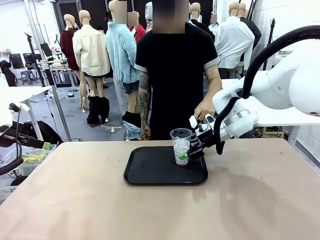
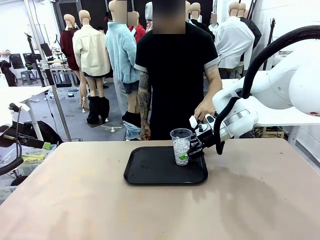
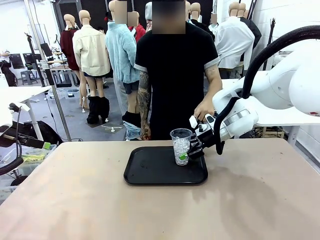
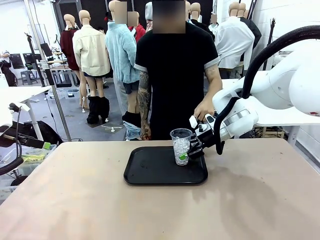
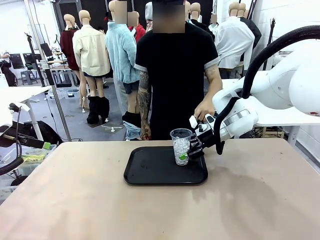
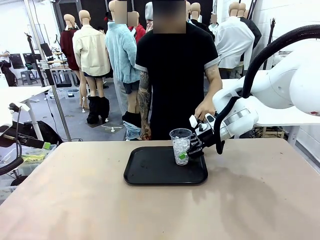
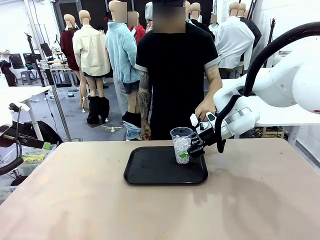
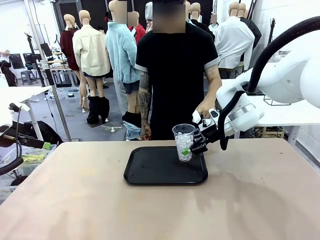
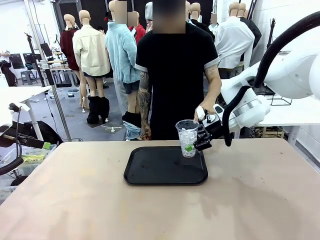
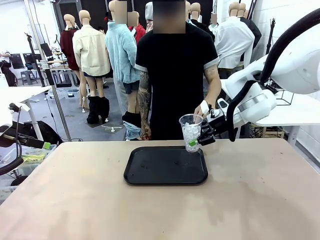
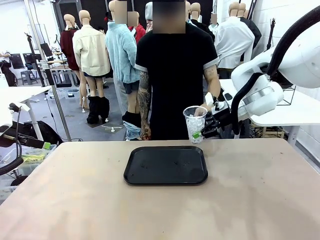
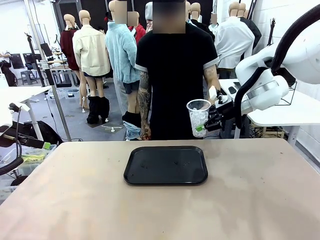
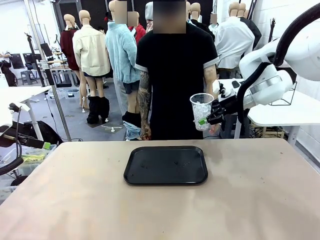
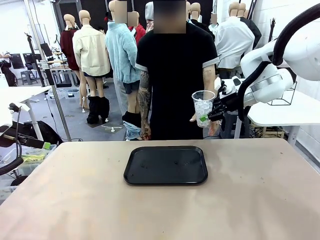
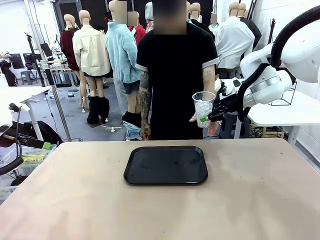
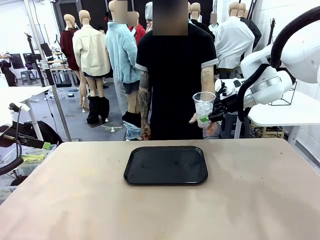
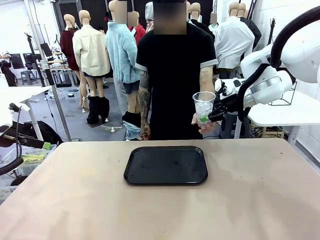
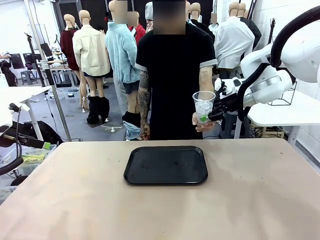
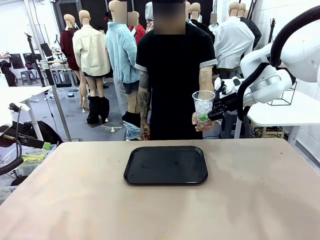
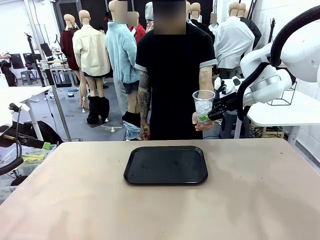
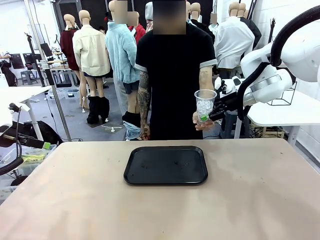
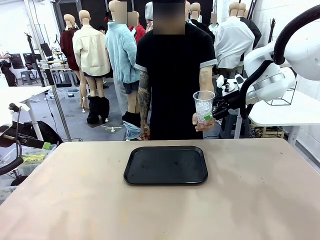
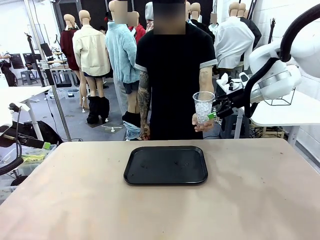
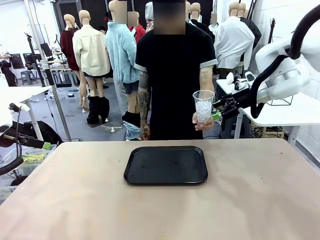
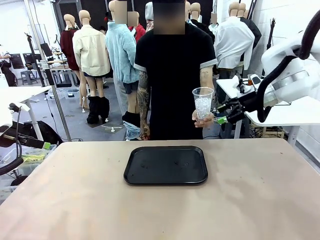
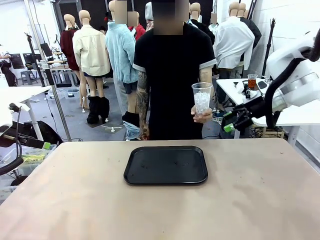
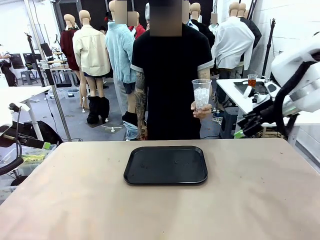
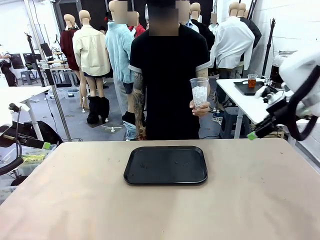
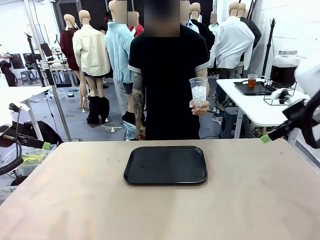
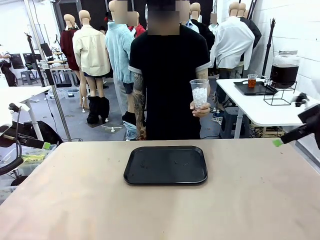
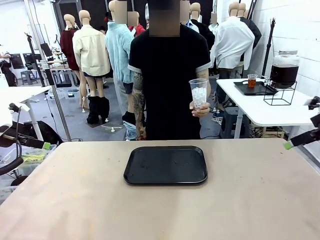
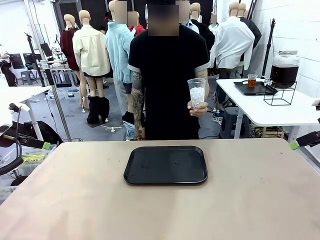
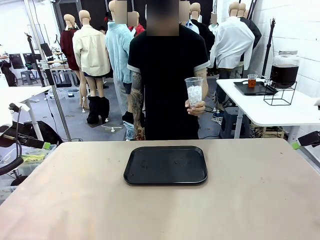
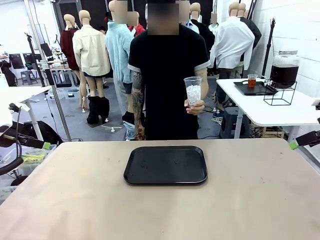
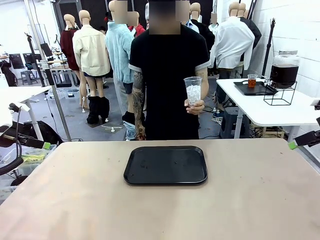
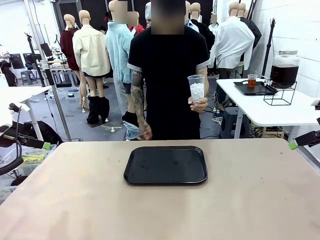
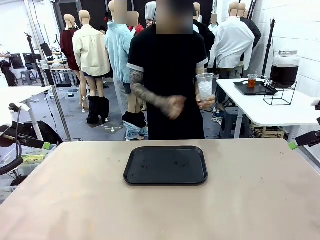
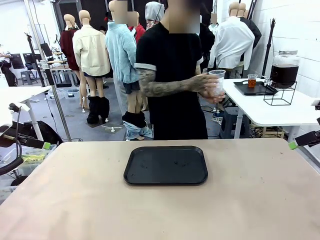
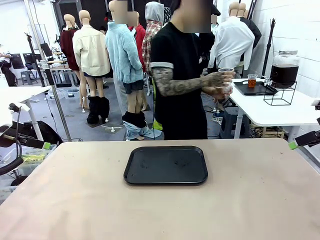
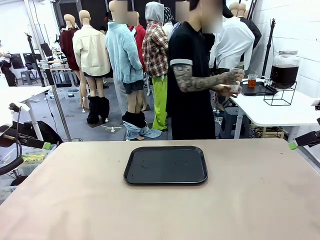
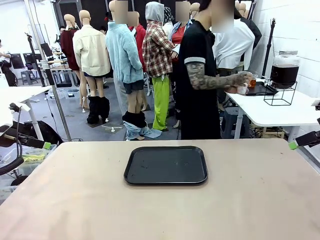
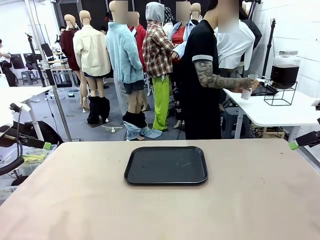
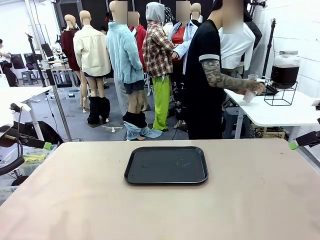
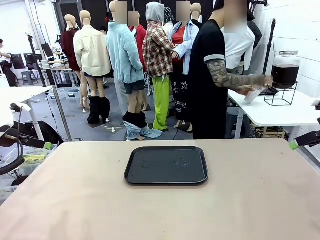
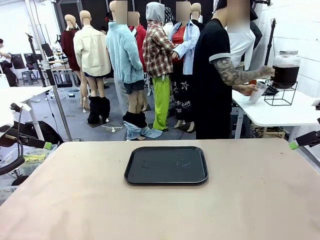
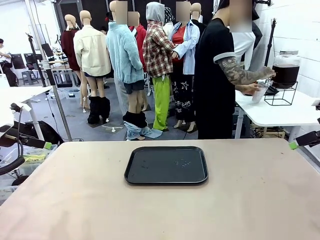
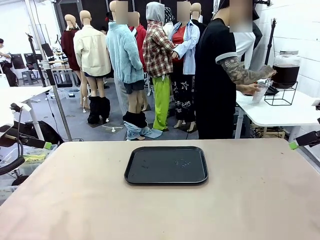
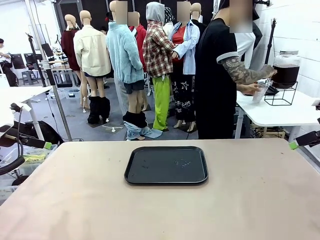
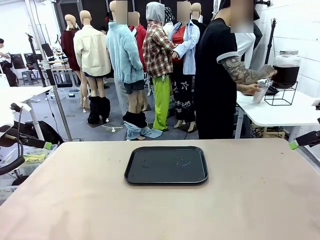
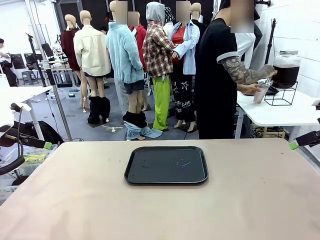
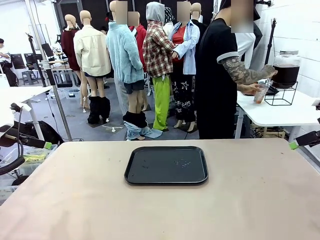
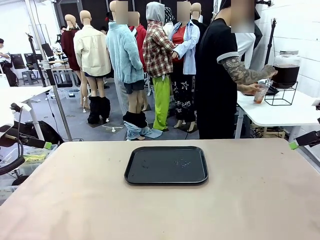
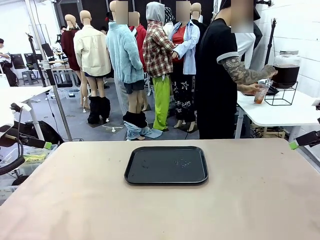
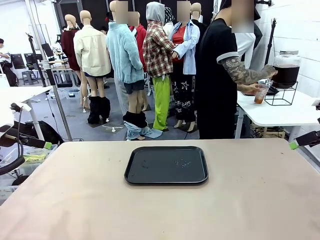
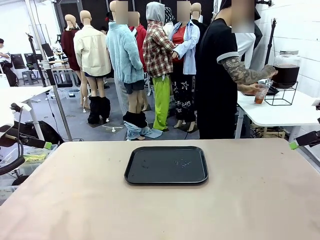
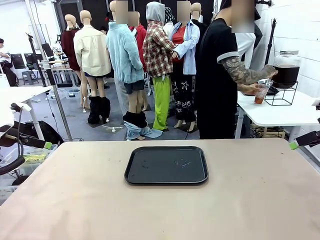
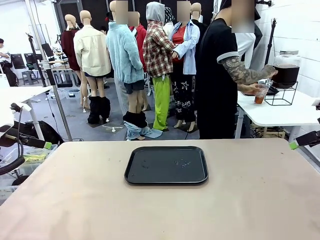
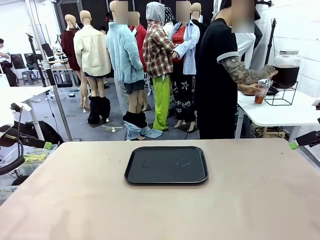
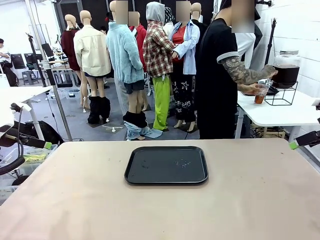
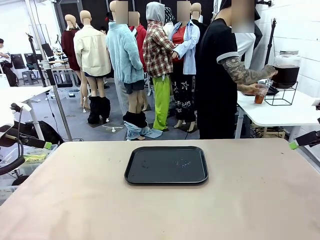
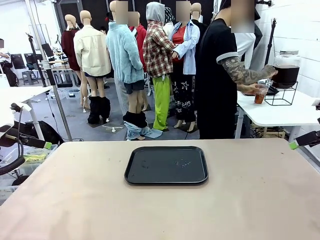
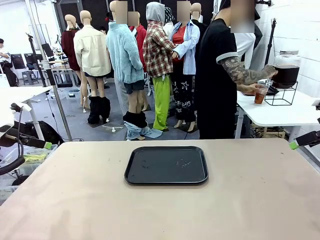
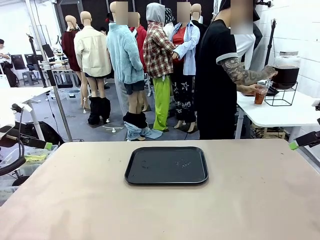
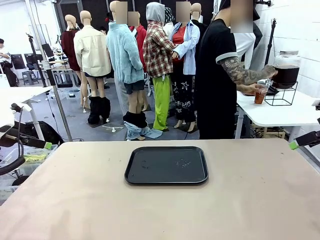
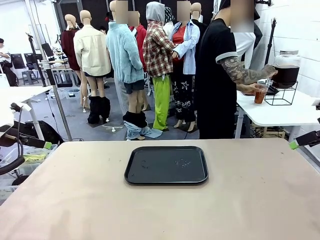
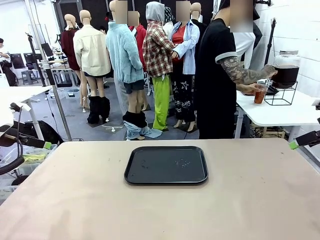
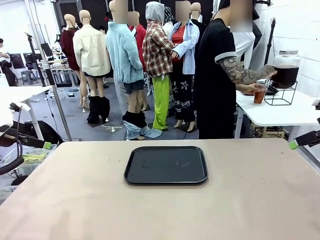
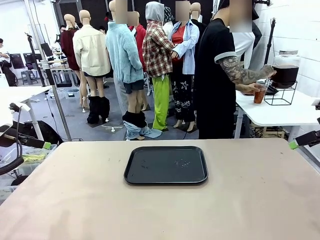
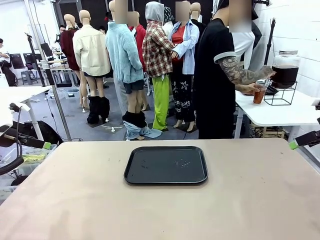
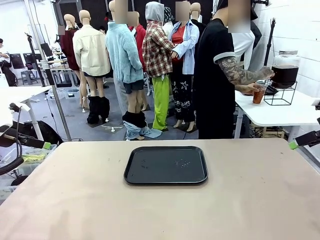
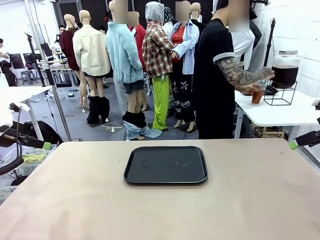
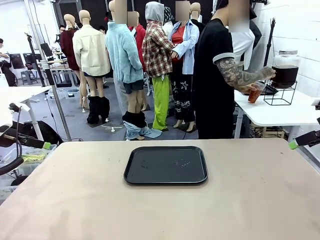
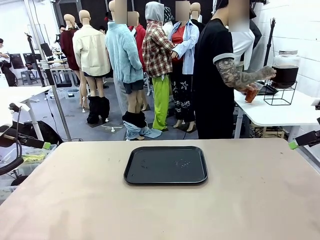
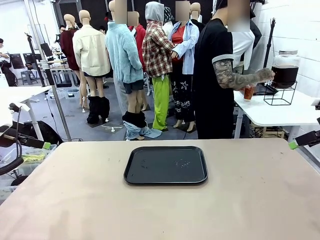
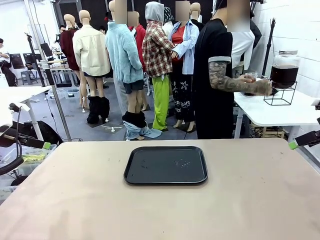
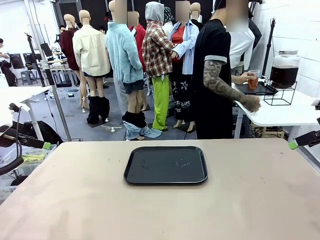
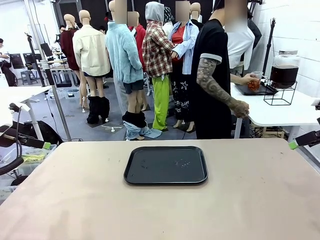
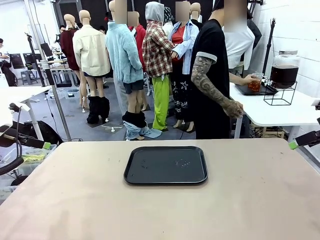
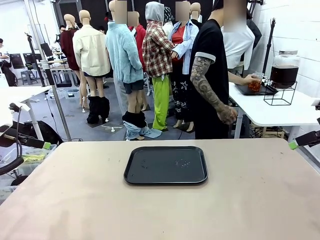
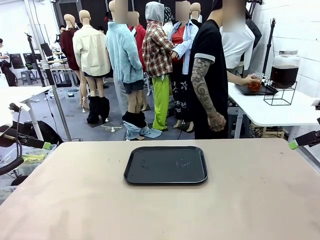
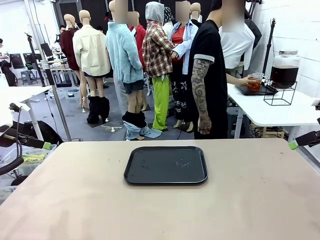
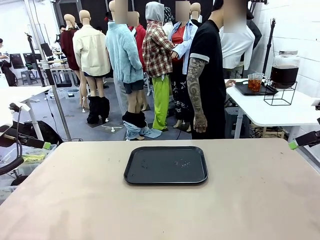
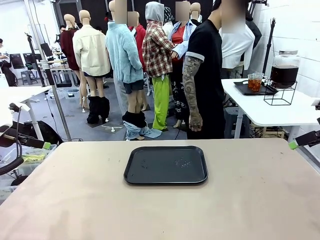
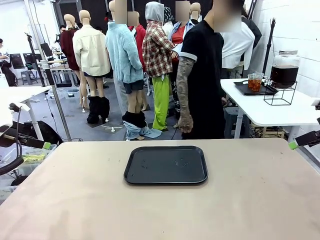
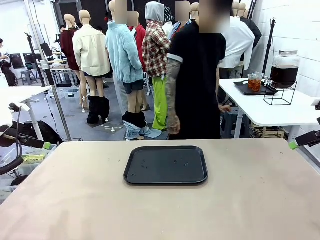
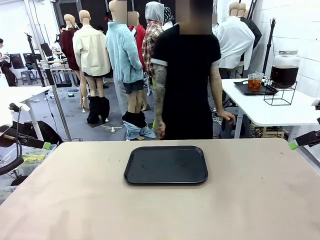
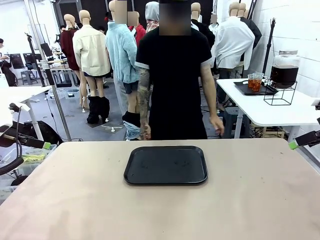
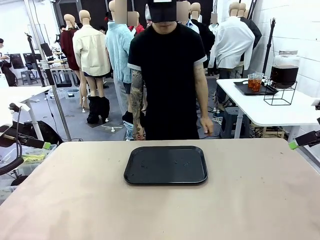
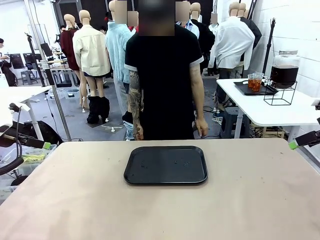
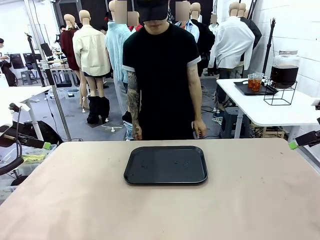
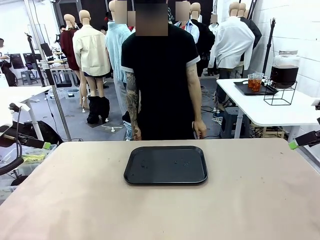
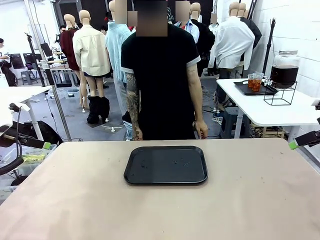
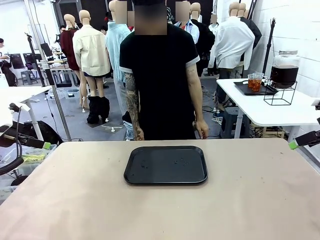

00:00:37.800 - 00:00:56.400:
Task: Pour the drink into the iced cup.
Robot: Open the gripper to release the iced cup you were holding.
Person: Move the picked-up cup under the dispenser faucet, pour the drink, and place it on the tray on the human table.
